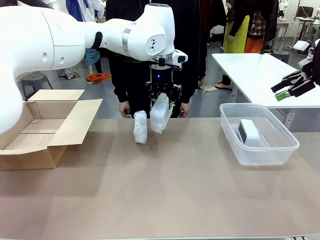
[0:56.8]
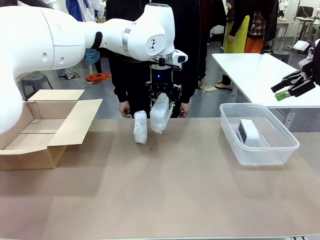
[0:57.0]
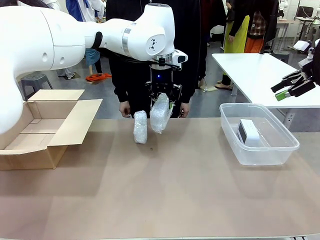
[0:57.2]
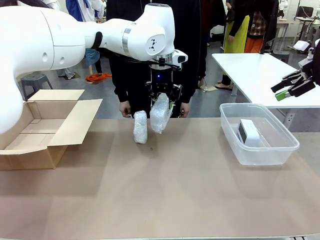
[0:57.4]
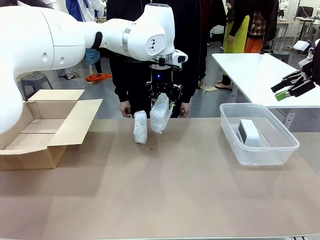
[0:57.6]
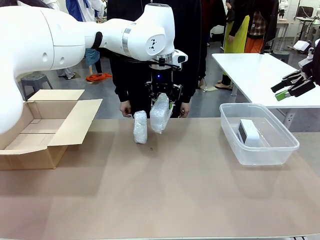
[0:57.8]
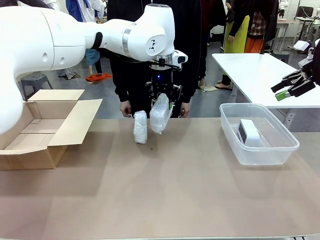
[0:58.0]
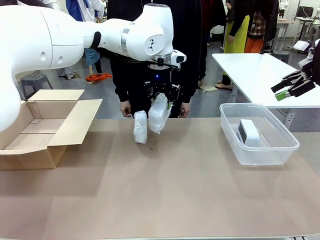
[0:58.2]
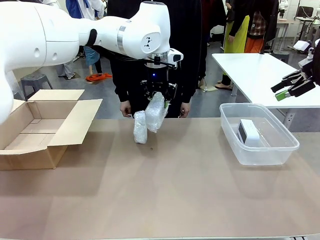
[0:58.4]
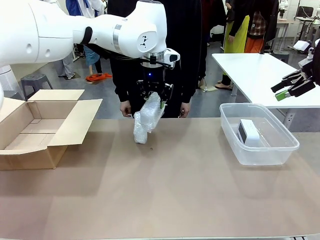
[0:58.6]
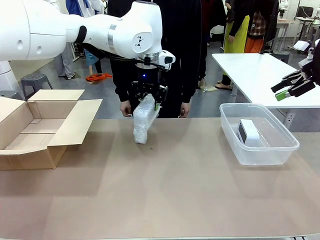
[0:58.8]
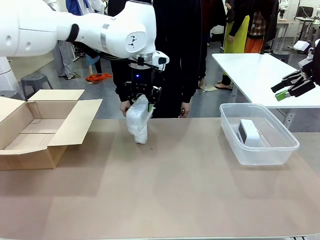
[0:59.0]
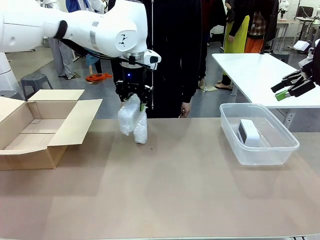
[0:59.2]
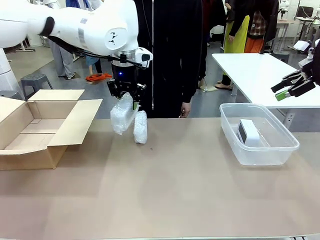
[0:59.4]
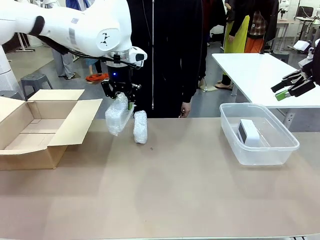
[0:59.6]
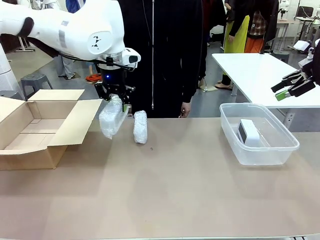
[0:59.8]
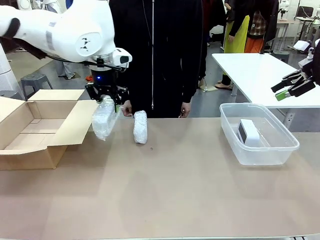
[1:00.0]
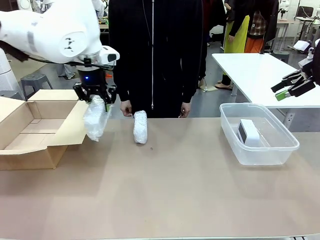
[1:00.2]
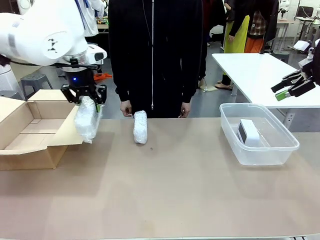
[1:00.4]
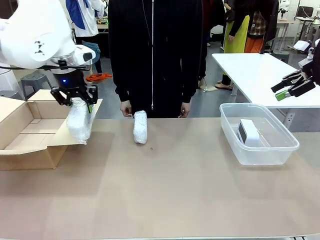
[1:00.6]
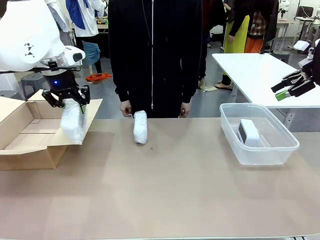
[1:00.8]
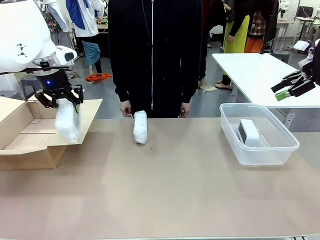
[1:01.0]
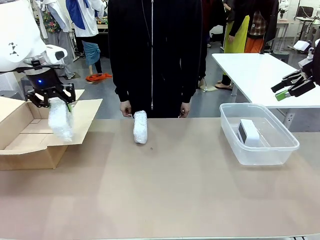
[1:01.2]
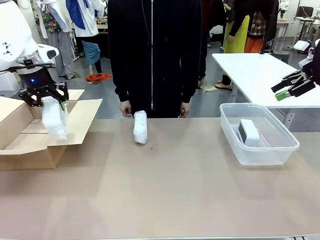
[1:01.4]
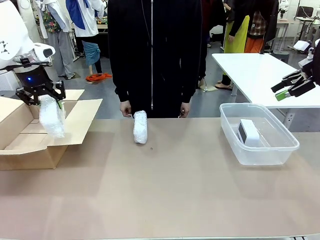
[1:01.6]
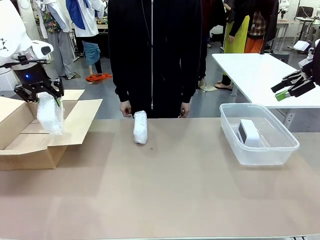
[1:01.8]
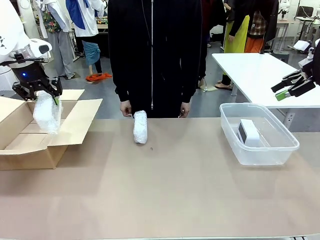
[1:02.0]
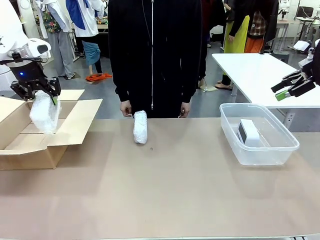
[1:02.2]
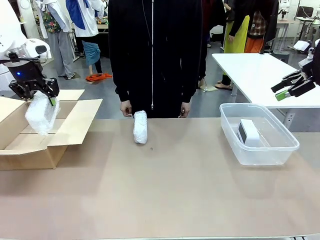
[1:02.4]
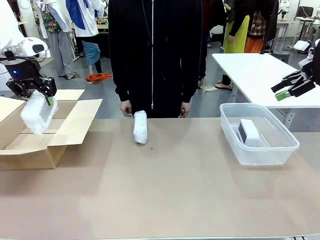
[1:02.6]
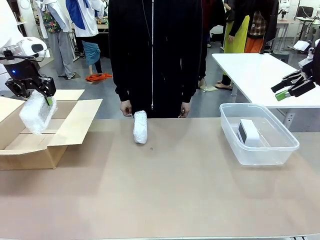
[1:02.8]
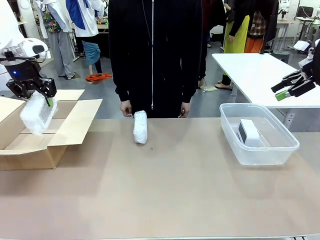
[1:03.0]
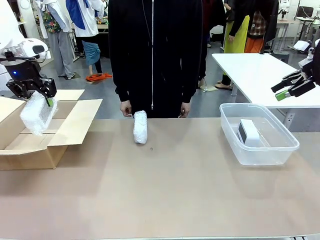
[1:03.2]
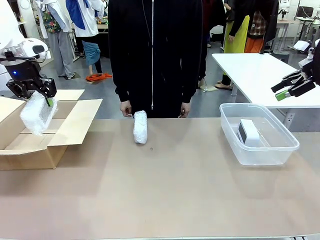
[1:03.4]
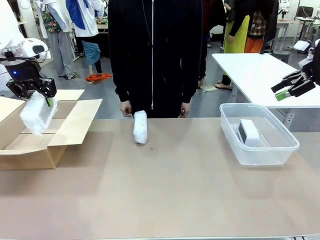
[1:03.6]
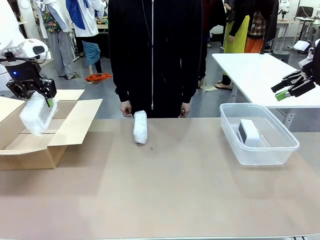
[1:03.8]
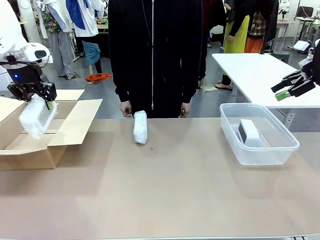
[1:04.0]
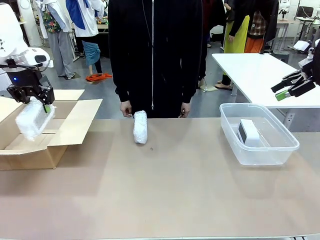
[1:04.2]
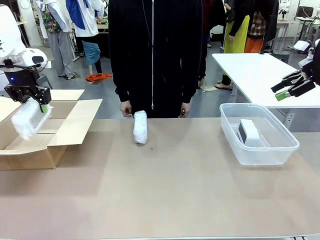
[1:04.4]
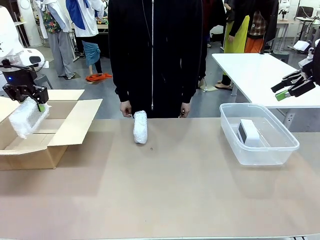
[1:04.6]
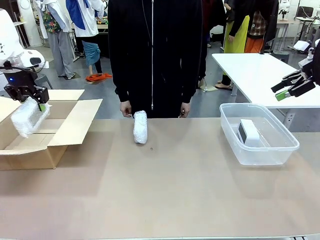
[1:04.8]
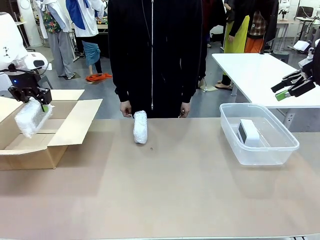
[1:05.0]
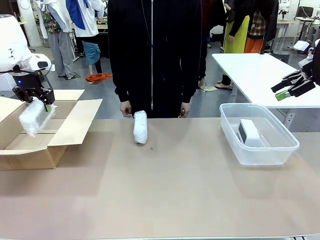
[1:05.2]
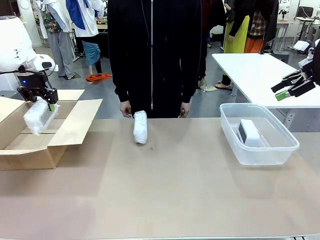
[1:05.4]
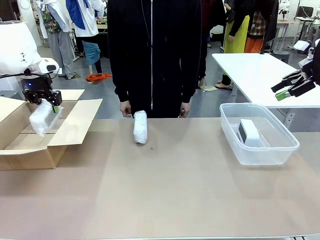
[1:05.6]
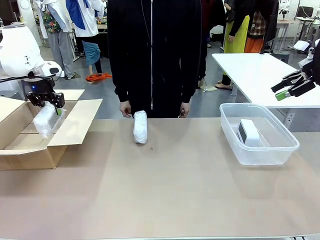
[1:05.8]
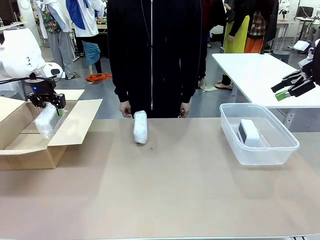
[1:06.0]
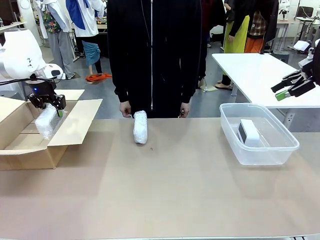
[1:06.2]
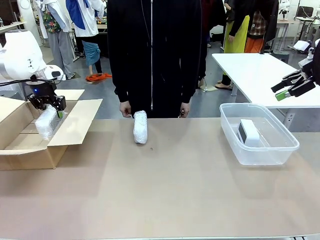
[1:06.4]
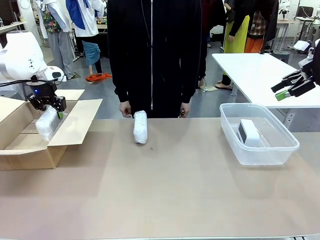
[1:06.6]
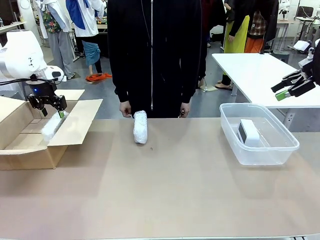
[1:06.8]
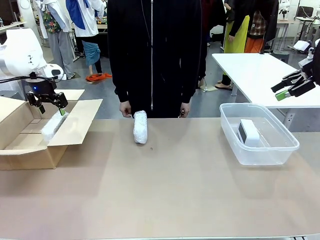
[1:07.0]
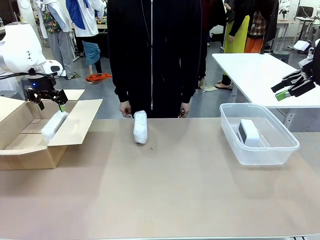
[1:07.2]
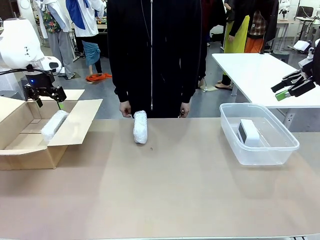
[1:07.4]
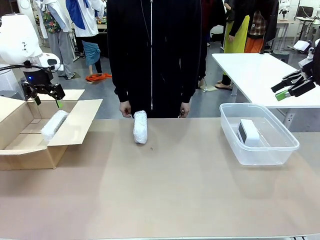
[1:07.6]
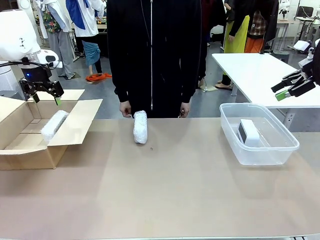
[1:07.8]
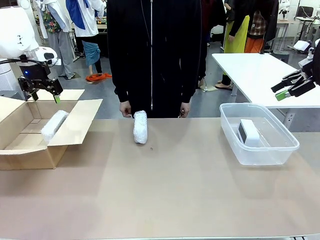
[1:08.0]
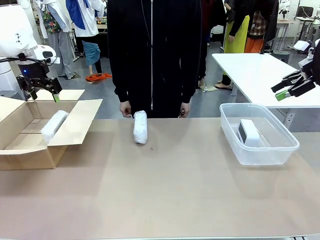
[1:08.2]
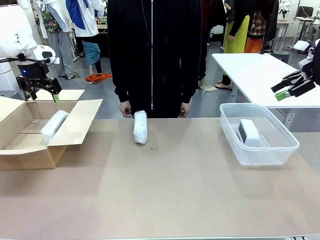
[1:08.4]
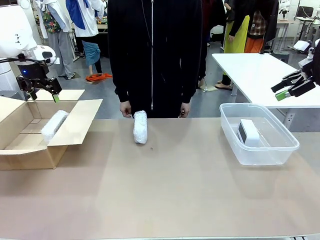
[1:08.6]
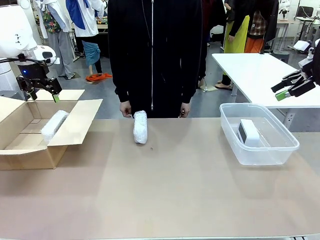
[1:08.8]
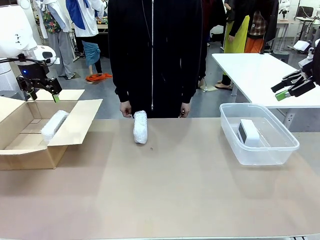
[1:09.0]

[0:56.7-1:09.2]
Task: Separate and place wrapped and unwrapped clocks.
Robot: If the picked Digital clock is wrapped, place it in the Package Box ; if not, place it in the Organizing box.
